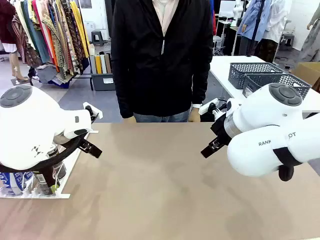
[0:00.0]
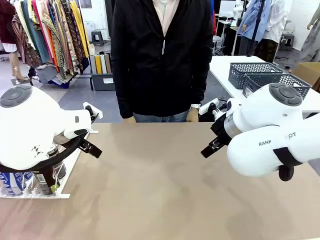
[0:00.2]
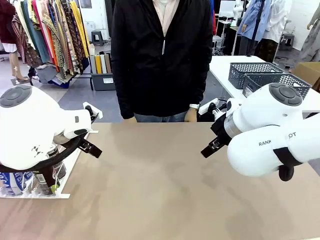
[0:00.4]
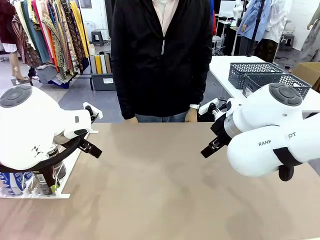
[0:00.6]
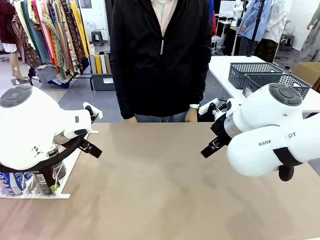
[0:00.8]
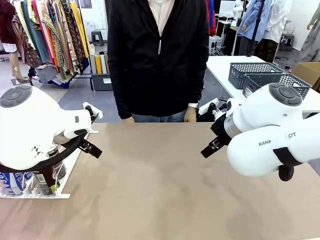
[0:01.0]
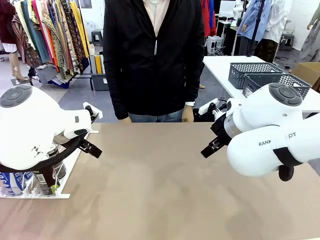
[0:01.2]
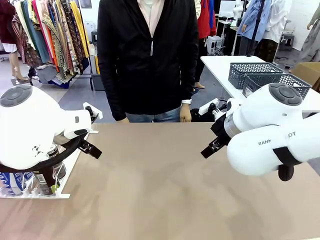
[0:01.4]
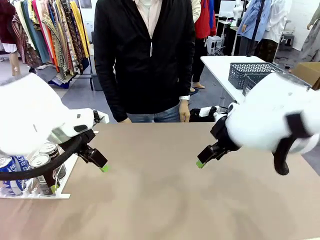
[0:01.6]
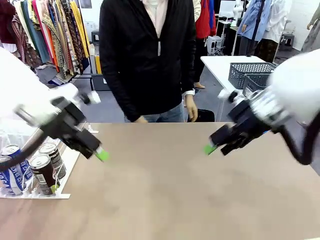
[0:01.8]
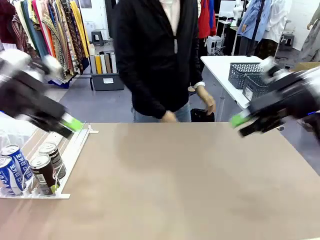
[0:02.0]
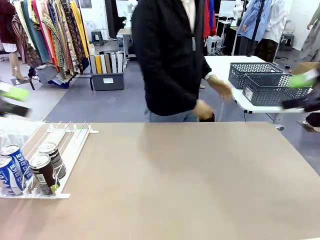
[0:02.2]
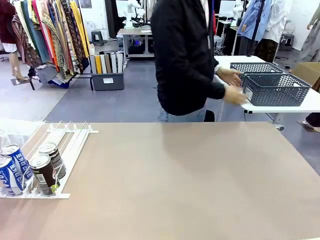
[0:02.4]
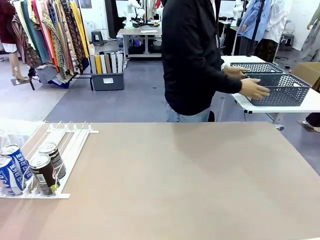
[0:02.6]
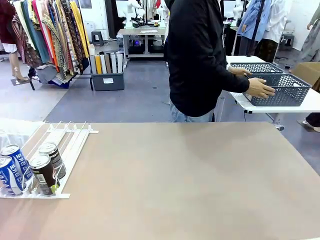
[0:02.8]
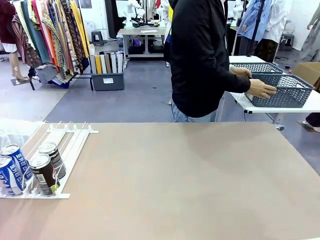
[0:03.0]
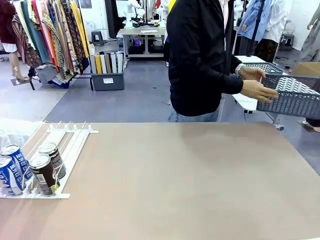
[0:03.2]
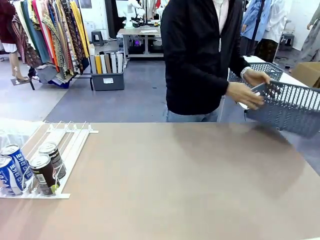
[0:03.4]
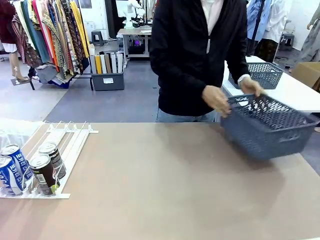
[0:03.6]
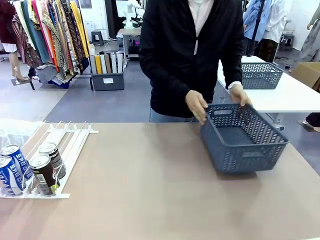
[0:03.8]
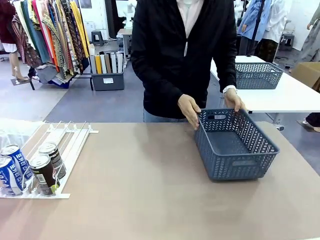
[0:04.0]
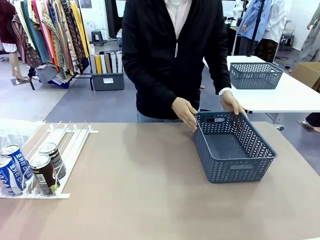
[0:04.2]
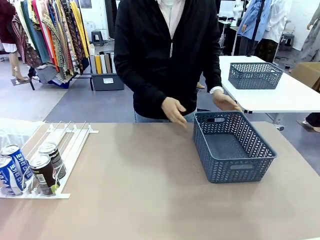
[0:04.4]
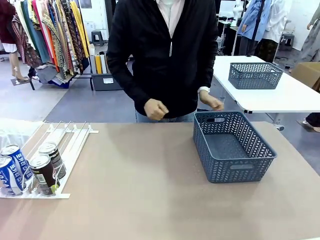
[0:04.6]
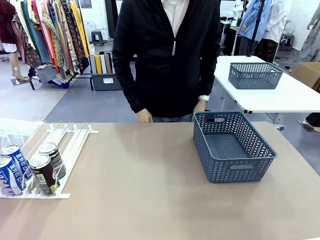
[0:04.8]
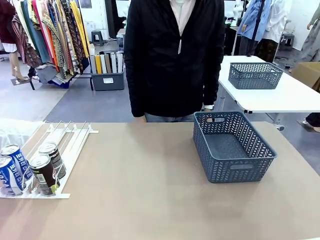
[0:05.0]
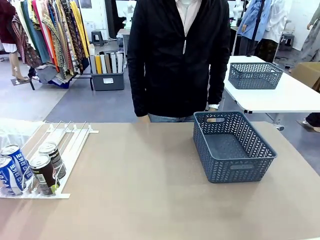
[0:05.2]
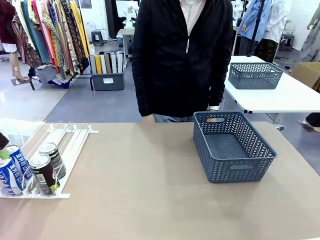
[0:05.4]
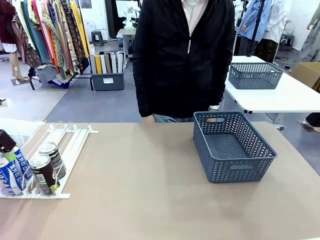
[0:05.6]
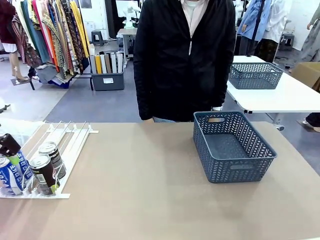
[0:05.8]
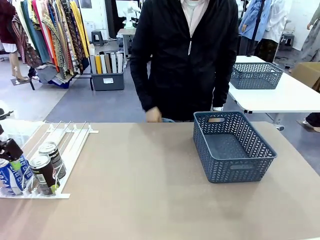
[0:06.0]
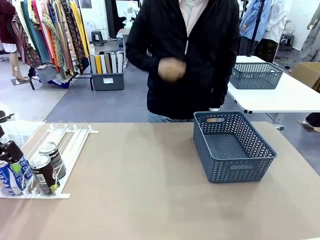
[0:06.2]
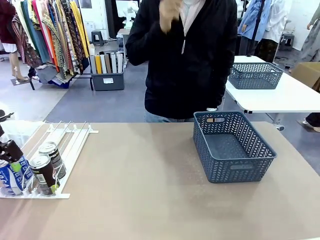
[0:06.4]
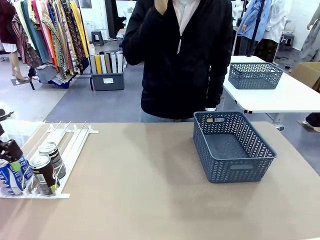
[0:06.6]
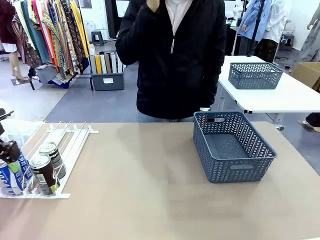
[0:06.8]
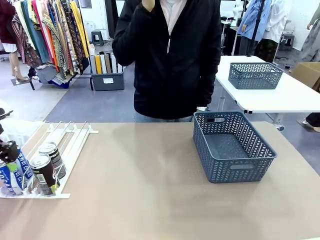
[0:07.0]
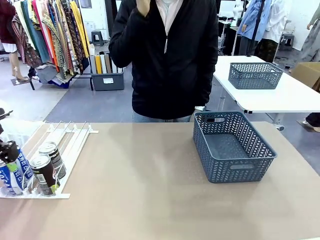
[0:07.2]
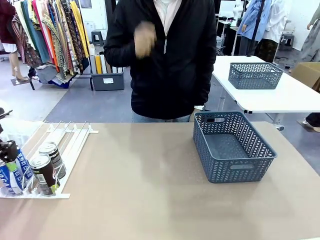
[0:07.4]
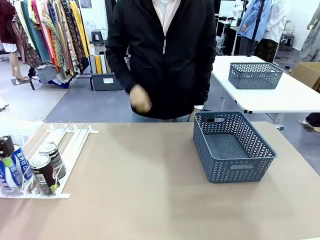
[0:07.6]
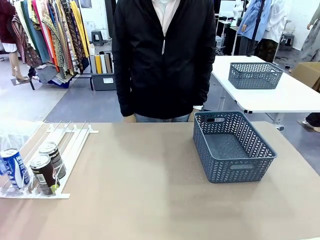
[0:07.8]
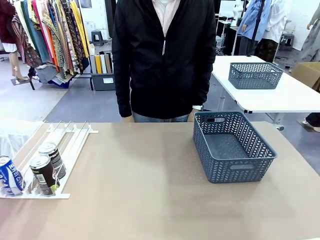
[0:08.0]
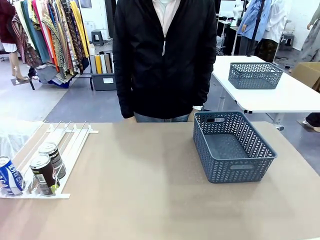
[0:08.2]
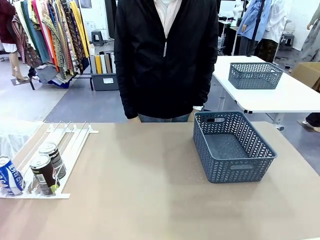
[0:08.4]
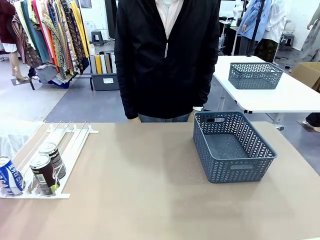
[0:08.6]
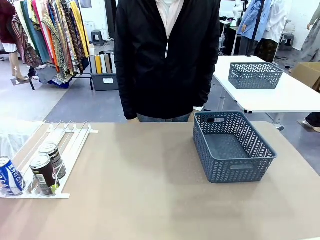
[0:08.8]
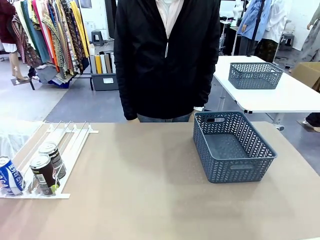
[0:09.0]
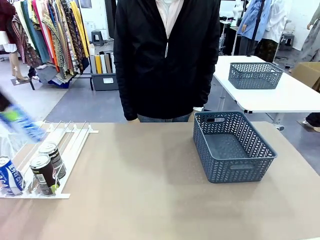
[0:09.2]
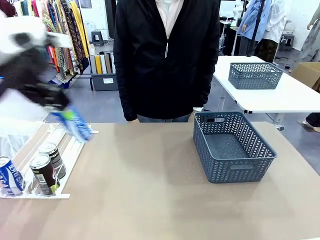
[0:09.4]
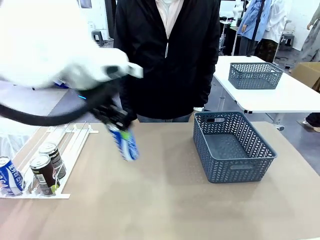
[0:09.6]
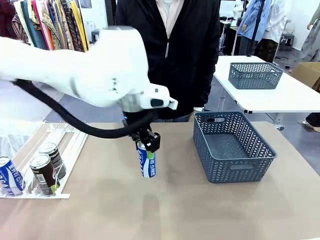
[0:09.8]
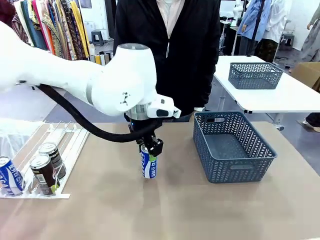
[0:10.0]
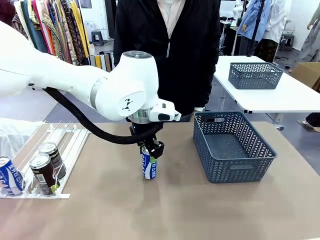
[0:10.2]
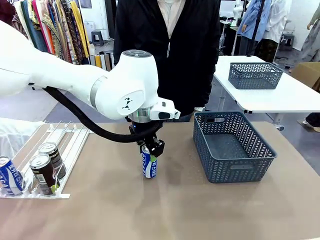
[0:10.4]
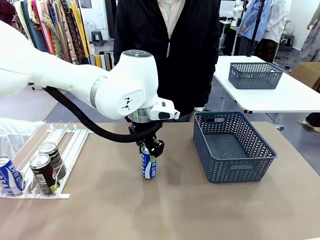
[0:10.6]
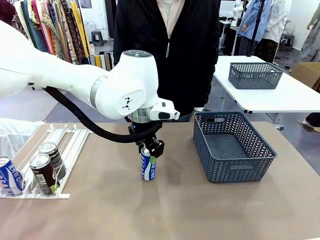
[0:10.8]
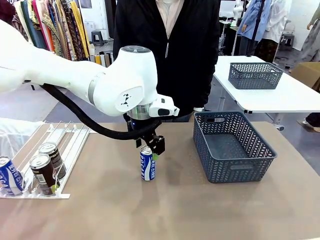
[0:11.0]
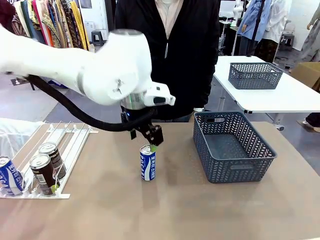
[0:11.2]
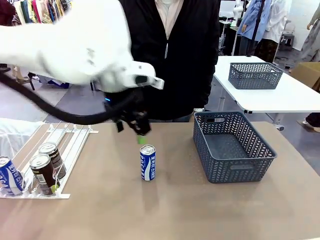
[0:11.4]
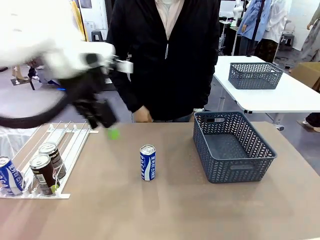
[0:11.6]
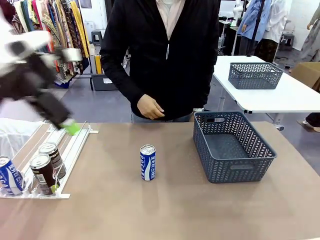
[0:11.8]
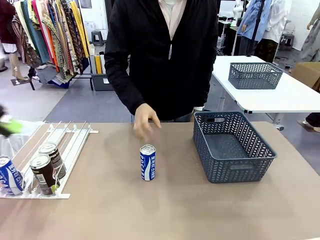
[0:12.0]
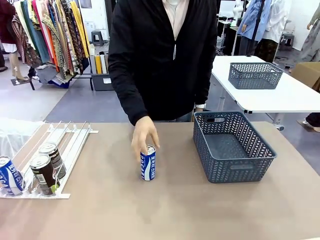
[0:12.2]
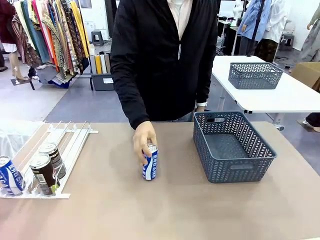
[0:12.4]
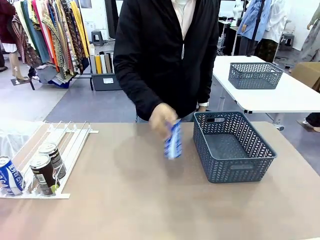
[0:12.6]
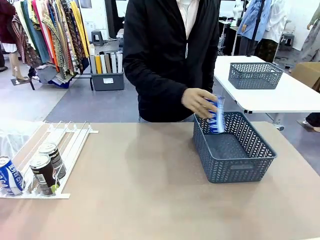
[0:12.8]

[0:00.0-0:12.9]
Task: Retrieve and store the cans from the dispenser.
Robot: Pick up one can from the Automatic Can Dispenser and place it in the middle of the table.
Person: Pick up the basket and place it on the left side of the robot table.

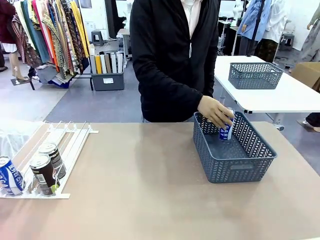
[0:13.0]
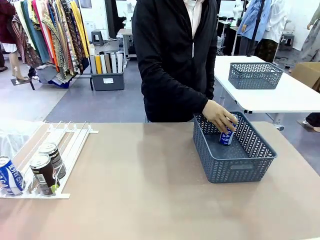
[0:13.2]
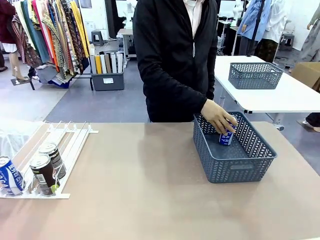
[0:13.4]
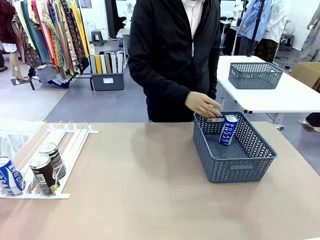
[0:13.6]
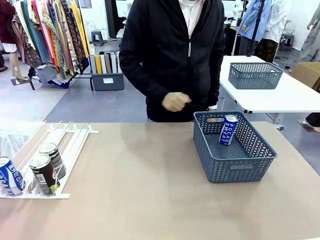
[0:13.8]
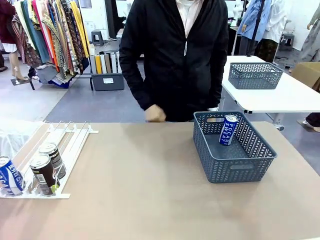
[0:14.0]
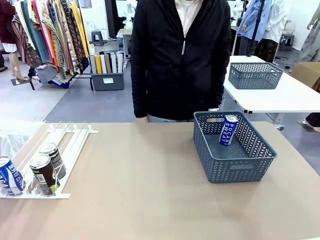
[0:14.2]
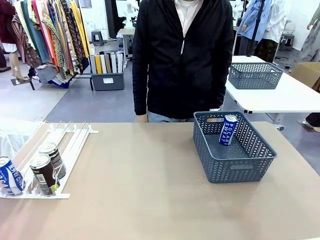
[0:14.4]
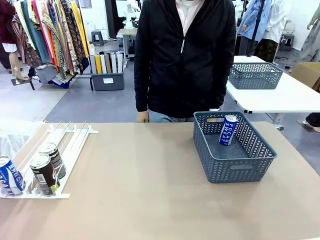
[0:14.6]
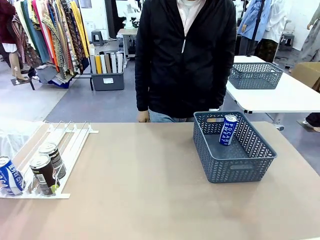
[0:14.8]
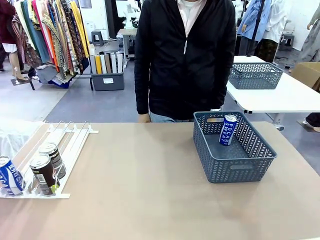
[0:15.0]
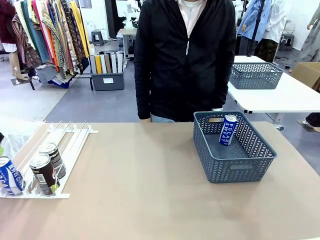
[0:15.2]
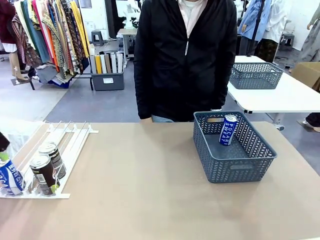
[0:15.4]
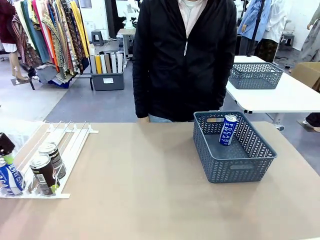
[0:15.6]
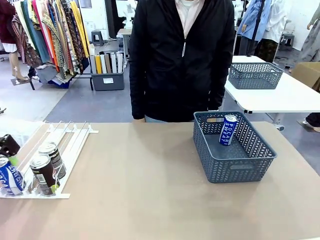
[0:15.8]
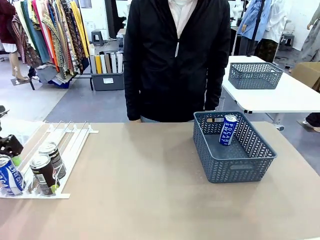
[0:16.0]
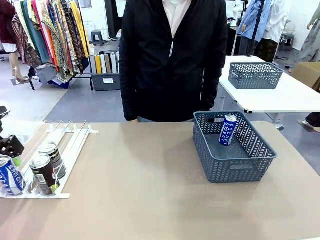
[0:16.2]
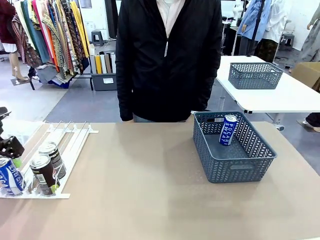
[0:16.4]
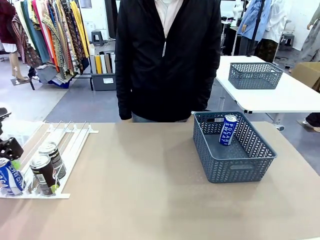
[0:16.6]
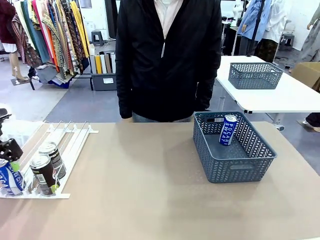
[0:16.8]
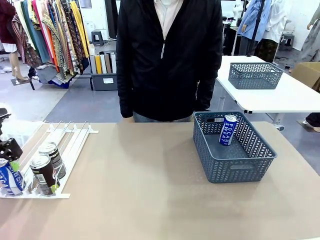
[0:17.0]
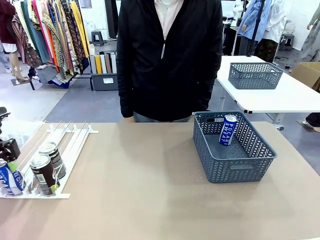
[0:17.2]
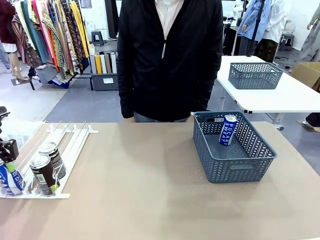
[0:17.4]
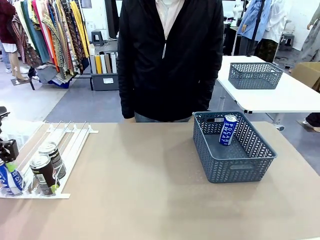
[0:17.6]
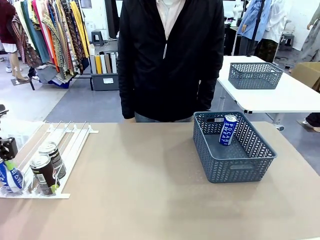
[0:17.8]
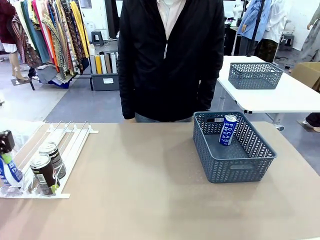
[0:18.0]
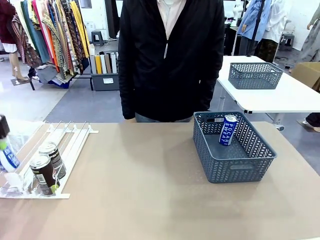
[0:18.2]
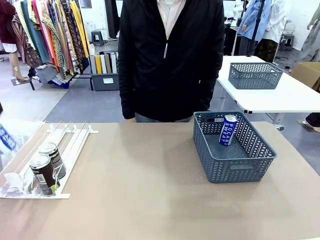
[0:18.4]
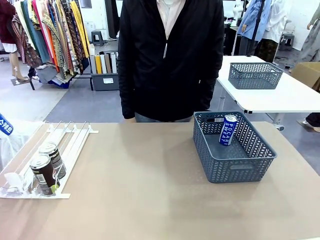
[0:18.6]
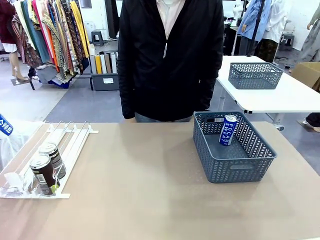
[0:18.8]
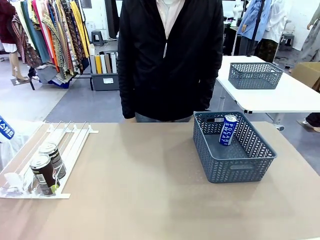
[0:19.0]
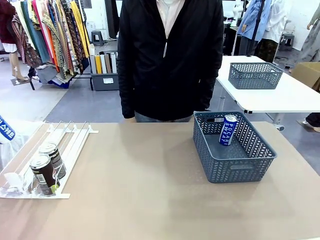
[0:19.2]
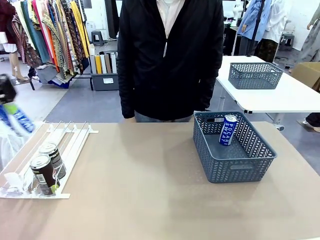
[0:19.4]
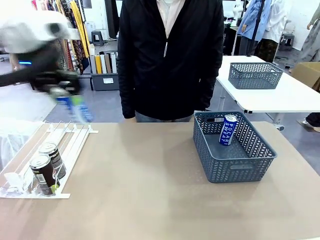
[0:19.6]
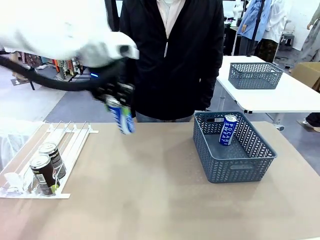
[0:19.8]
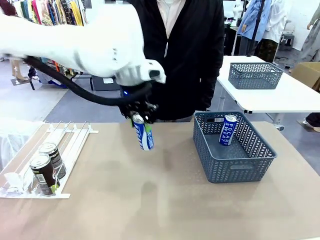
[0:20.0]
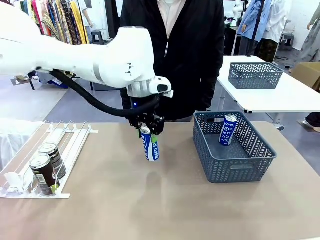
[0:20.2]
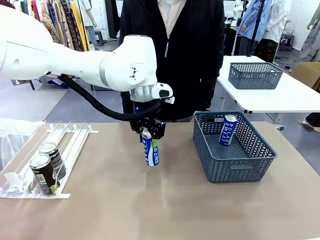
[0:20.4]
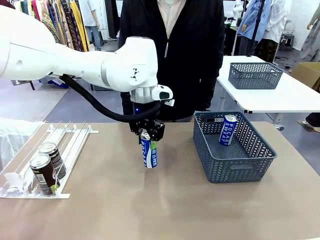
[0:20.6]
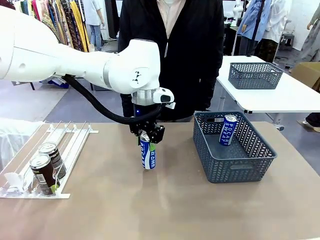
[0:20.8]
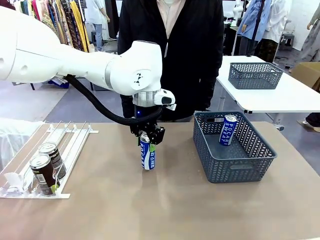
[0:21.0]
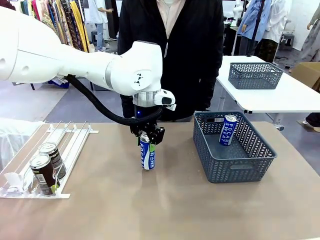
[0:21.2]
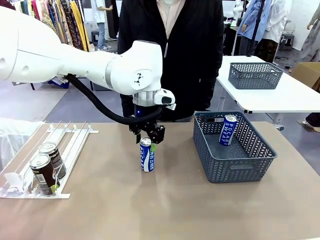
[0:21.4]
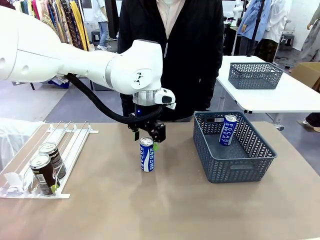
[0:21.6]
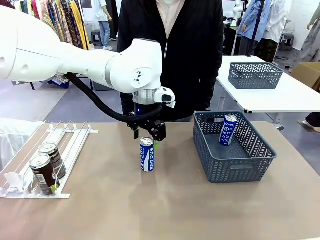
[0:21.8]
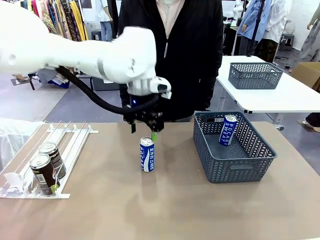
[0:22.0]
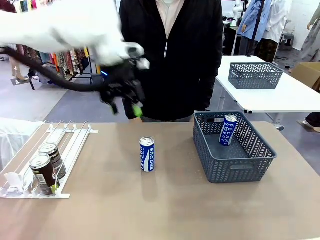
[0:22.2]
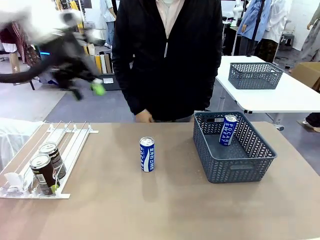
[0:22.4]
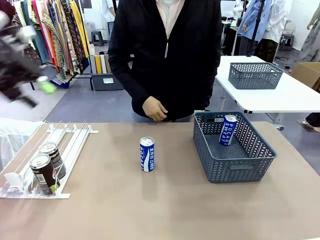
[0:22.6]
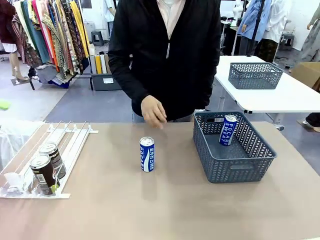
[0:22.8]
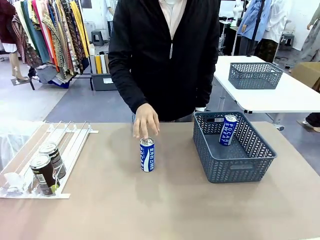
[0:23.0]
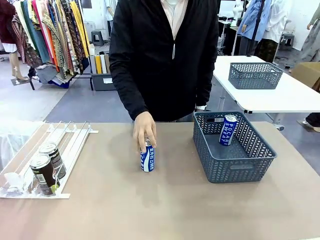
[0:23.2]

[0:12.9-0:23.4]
Robot: Pick up the last remaining can from one row of the Automatic Can Dispenser and place it in the middle of the table.
Person: Pick up one Pepsi can from the middle of the robot table and place it in the basket.
